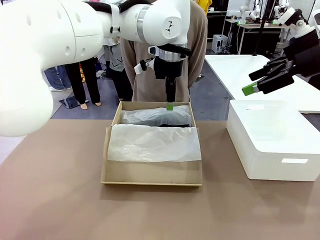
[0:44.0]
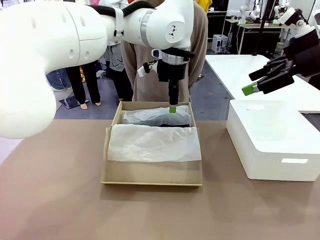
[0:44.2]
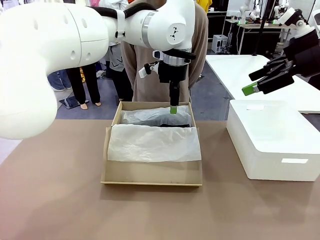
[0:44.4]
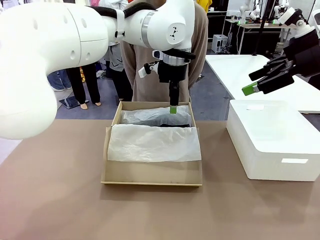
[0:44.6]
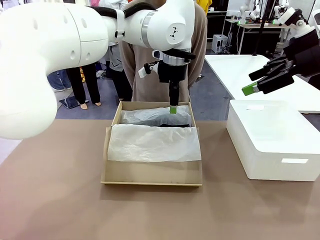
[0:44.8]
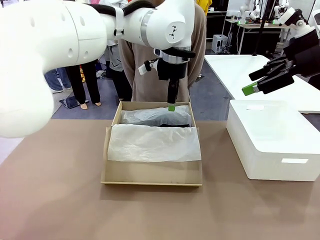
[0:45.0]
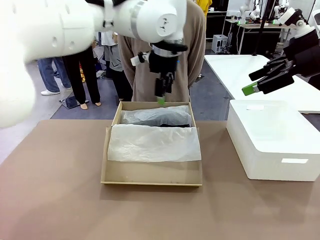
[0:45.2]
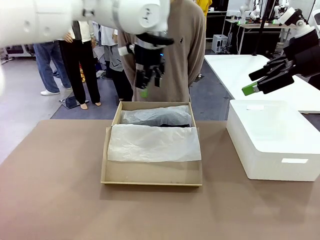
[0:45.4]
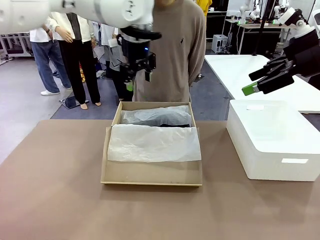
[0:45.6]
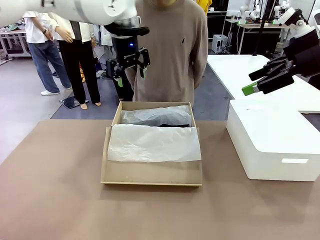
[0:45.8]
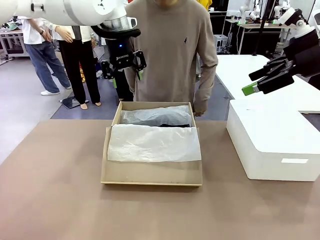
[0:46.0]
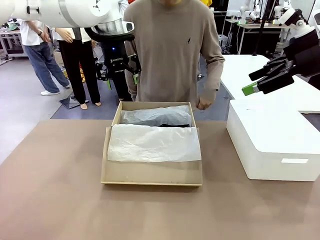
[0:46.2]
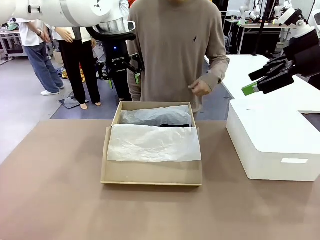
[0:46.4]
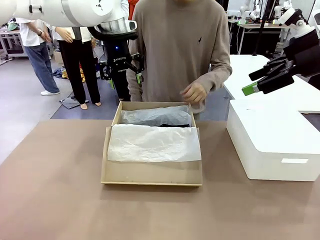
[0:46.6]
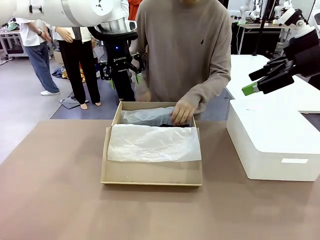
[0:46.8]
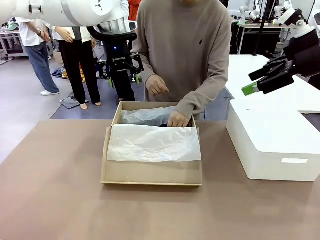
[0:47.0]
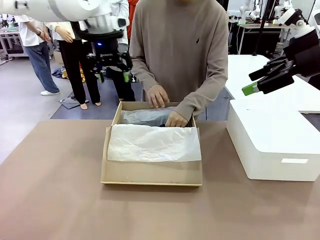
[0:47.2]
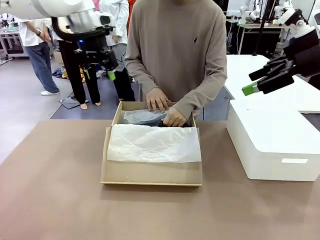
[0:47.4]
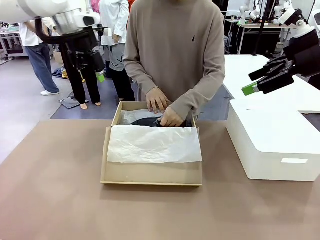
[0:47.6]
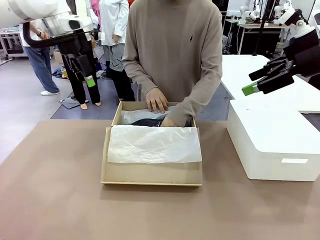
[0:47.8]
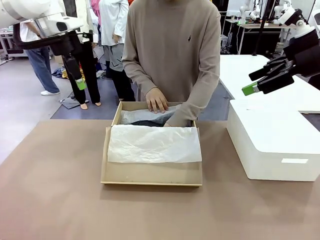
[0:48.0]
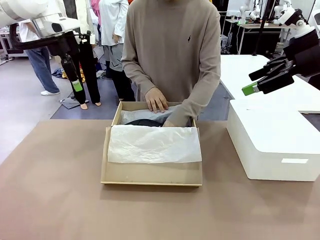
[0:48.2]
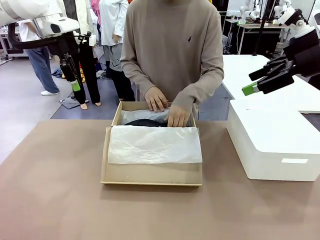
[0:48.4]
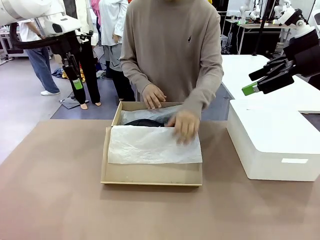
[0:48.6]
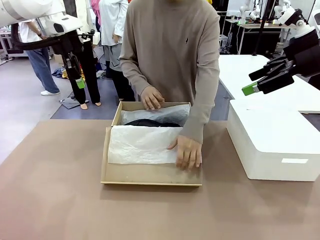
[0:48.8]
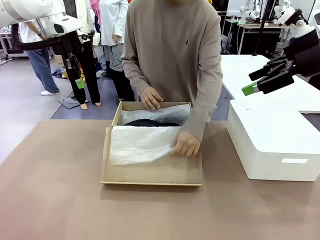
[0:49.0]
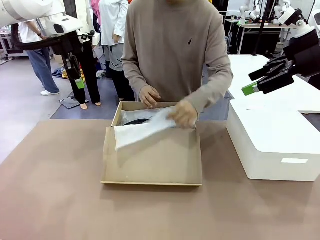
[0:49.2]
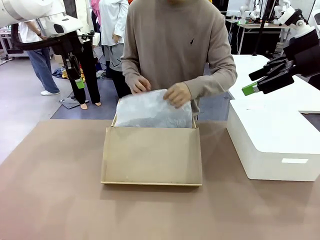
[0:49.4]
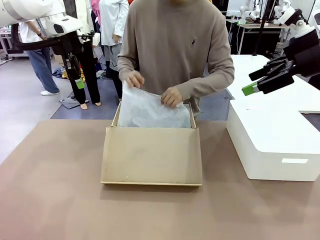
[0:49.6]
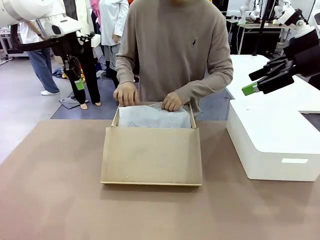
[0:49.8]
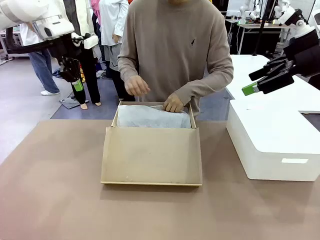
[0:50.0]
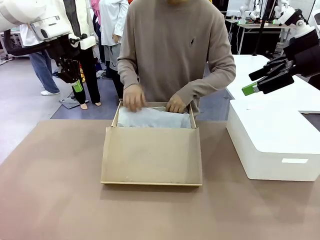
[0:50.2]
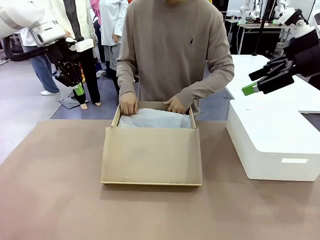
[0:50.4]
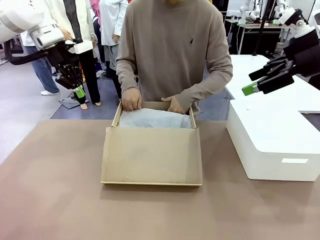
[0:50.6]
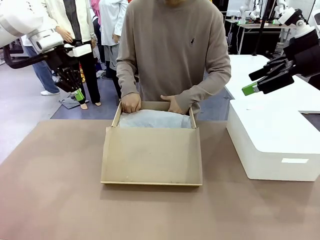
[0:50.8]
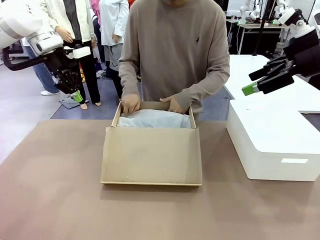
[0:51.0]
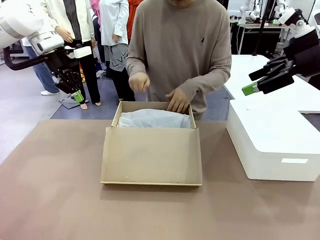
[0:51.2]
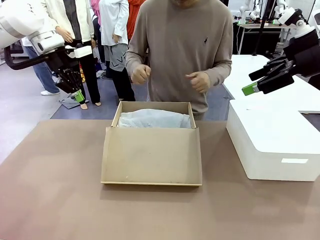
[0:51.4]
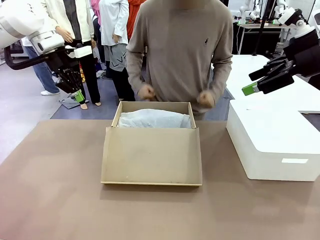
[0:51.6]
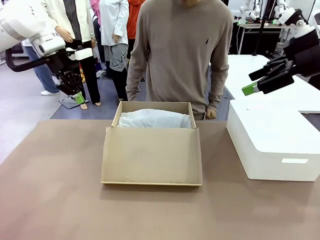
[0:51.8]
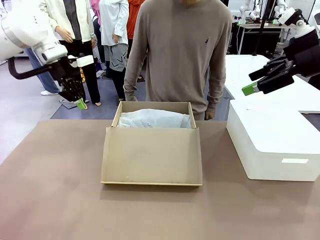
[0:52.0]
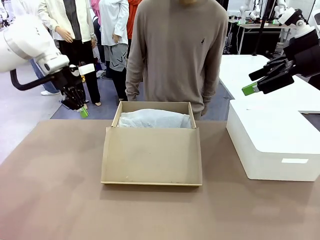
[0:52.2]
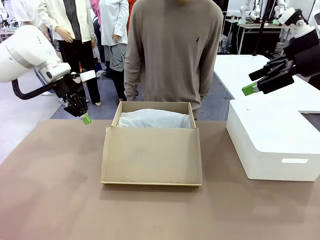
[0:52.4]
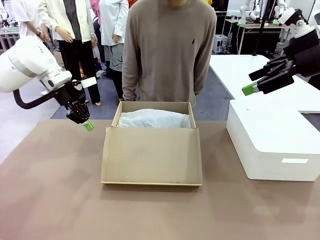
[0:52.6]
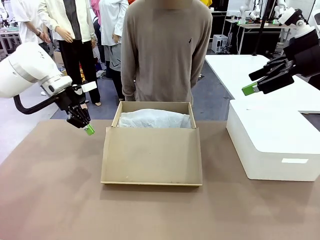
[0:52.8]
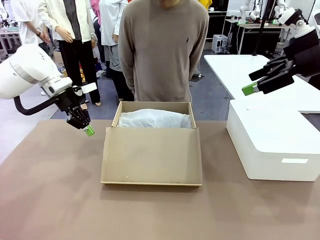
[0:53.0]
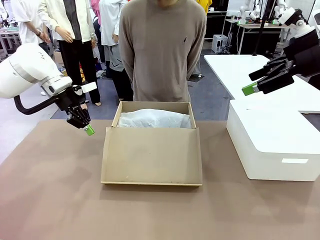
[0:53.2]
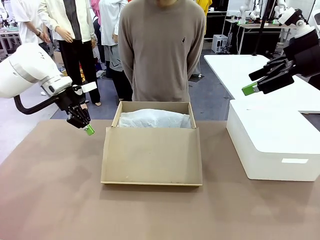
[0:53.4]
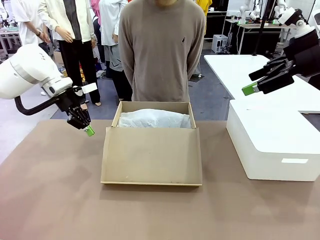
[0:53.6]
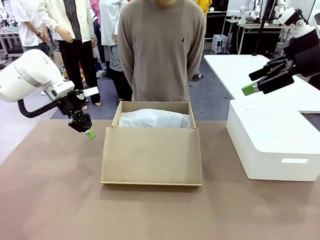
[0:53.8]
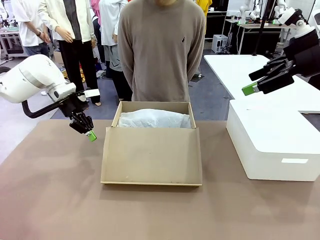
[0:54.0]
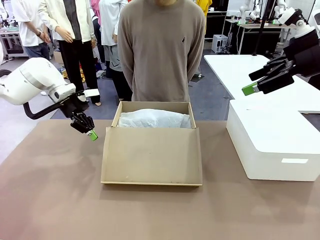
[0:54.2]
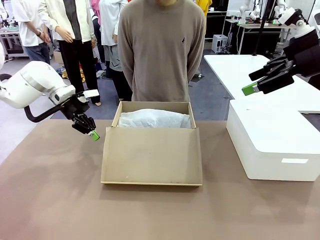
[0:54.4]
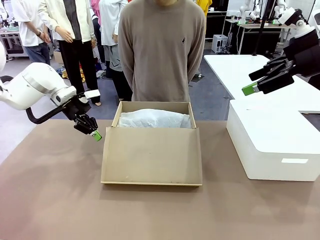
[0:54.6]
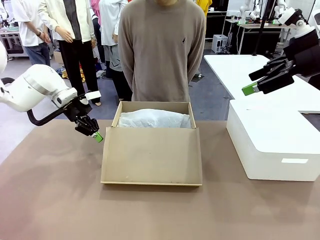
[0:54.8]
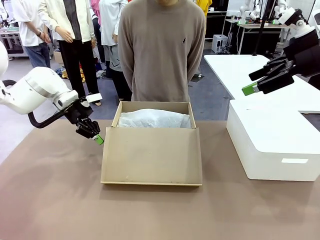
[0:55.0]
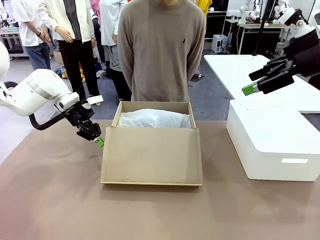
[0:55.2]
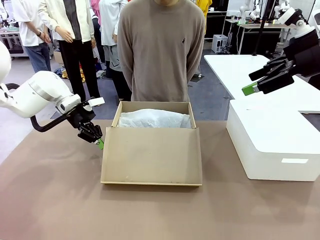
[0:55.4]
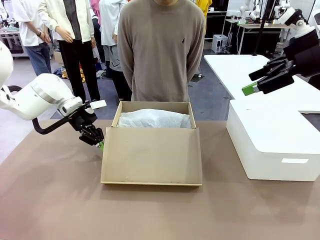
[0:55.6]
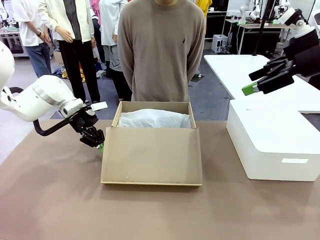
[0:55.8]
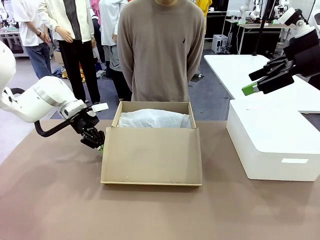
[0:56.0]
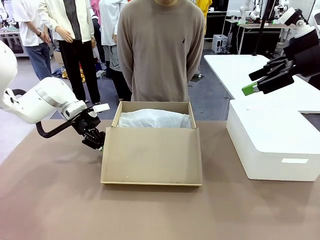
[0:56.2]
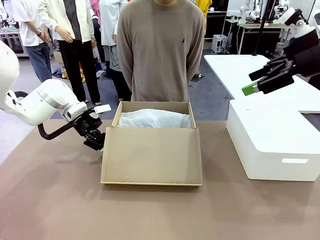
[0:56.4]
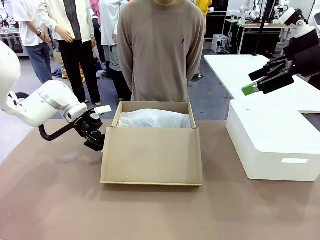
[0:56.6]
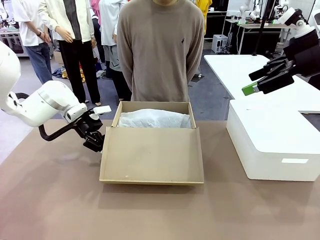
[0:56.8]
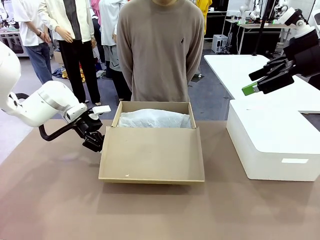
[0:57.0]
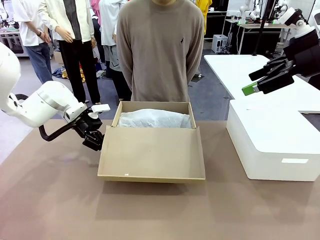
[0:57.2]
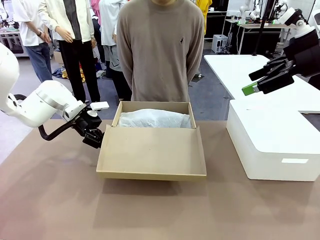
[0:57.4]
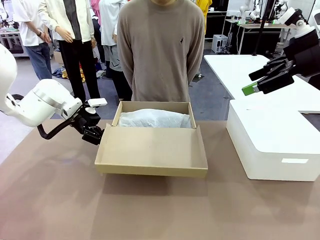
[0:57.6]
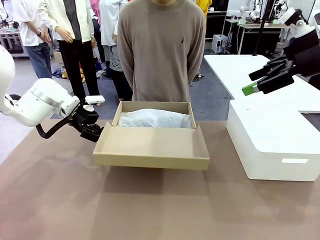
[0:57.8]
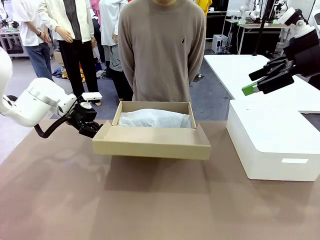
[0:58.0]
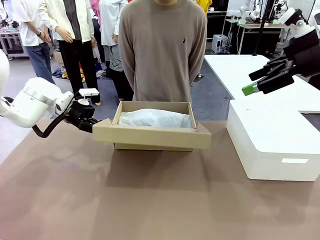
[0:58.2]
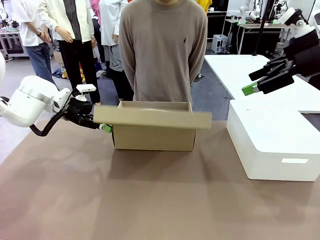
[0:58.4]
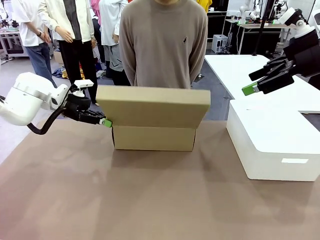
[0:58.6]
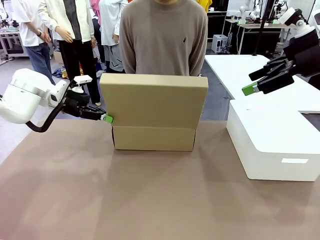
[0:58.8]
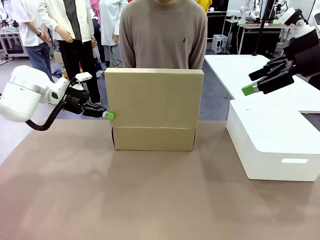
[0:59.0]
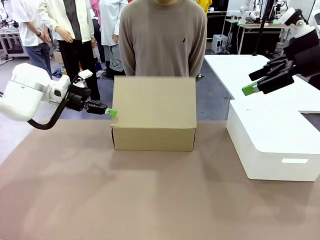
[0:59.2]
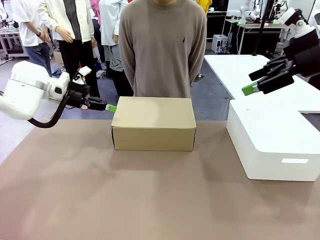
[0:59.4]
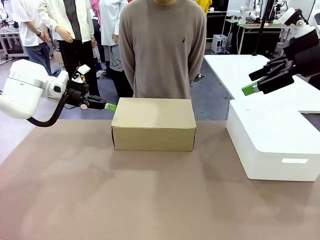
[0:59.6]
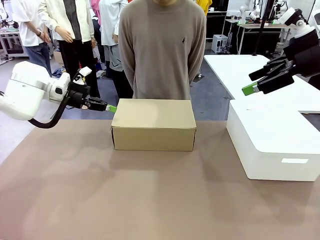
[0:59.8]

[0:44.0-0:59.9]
Task: Pack the shoes into the box.
Robot: Close the Shoes Box.
